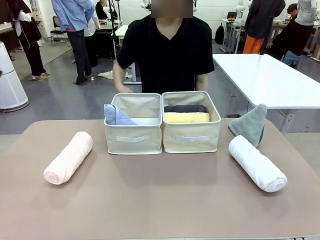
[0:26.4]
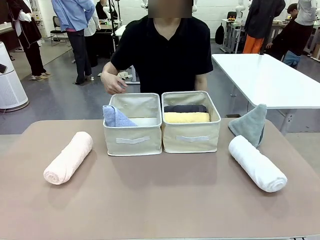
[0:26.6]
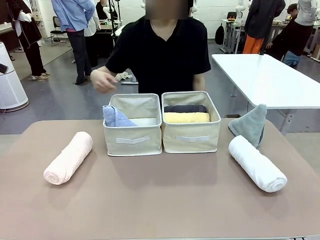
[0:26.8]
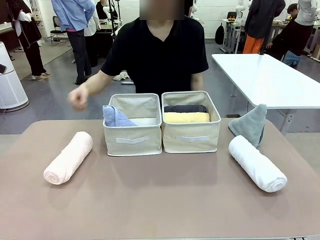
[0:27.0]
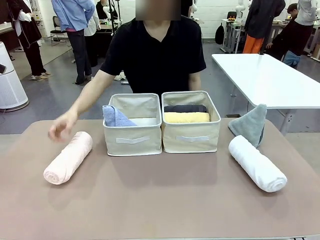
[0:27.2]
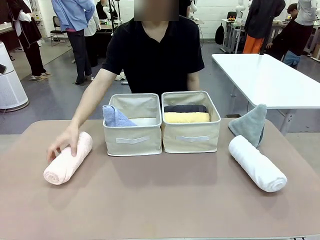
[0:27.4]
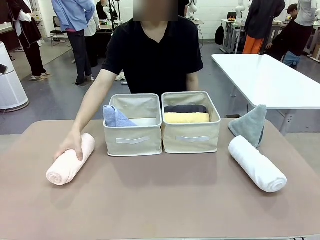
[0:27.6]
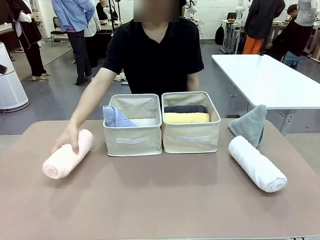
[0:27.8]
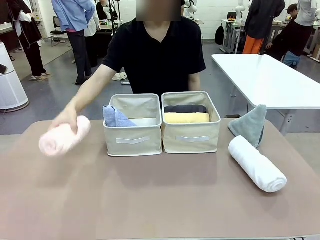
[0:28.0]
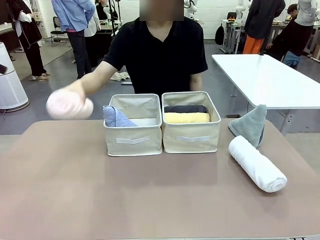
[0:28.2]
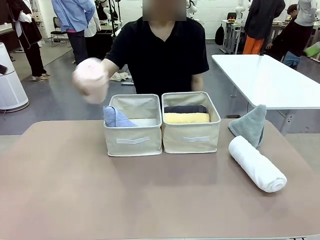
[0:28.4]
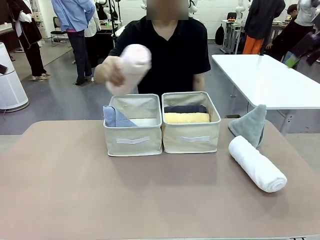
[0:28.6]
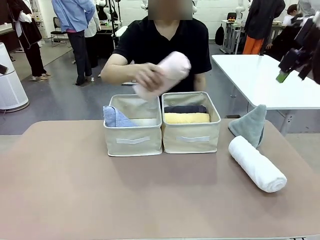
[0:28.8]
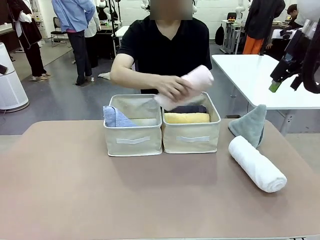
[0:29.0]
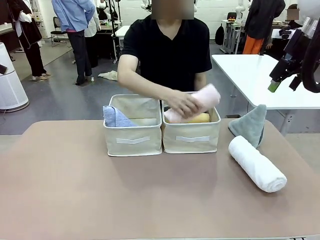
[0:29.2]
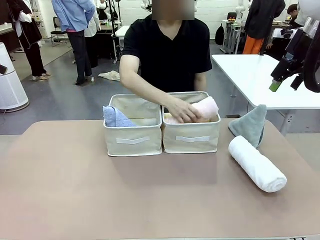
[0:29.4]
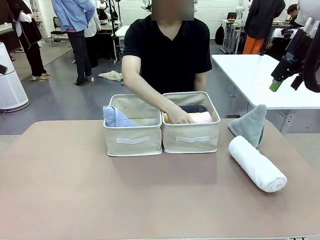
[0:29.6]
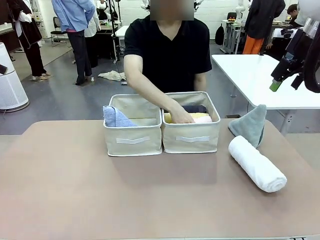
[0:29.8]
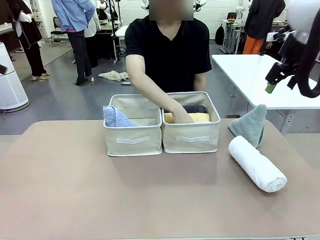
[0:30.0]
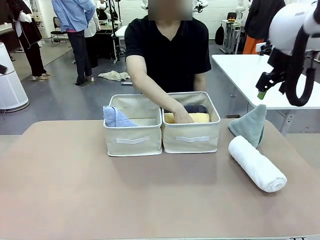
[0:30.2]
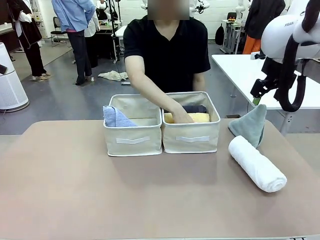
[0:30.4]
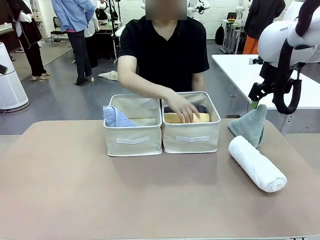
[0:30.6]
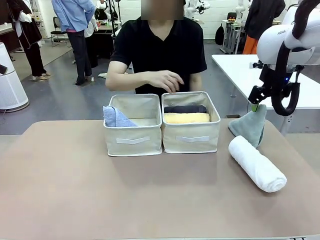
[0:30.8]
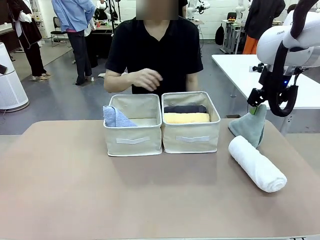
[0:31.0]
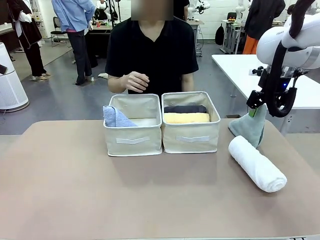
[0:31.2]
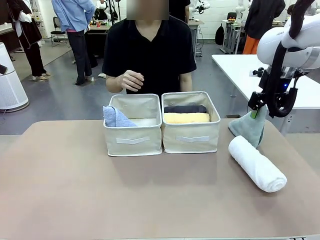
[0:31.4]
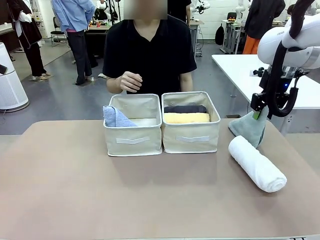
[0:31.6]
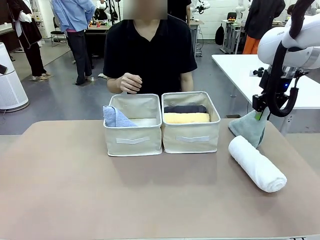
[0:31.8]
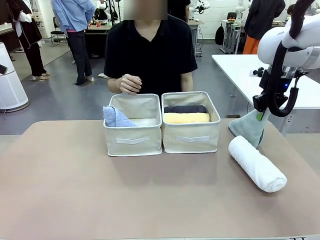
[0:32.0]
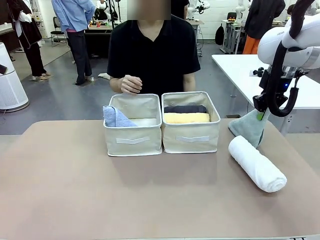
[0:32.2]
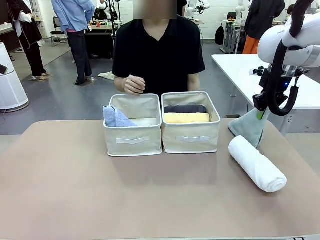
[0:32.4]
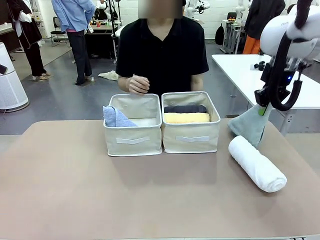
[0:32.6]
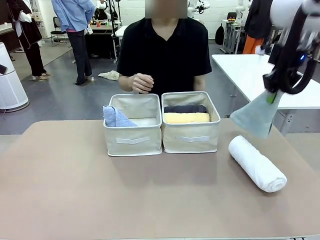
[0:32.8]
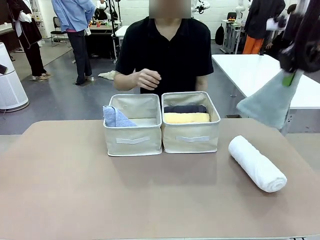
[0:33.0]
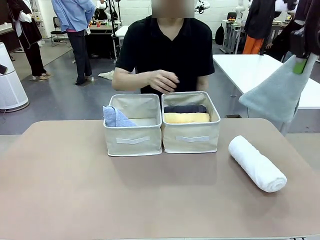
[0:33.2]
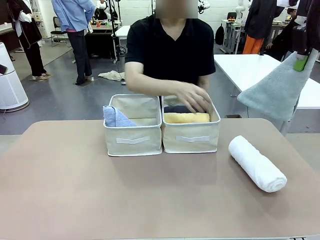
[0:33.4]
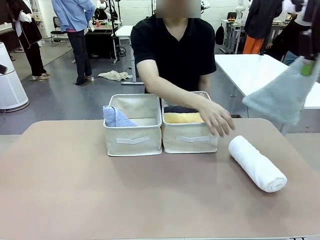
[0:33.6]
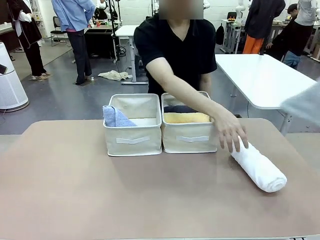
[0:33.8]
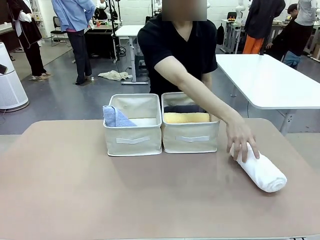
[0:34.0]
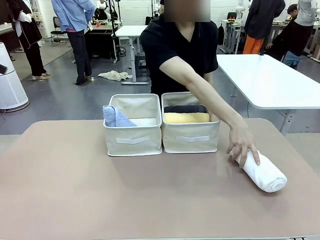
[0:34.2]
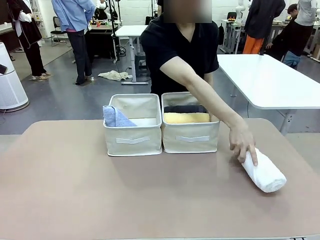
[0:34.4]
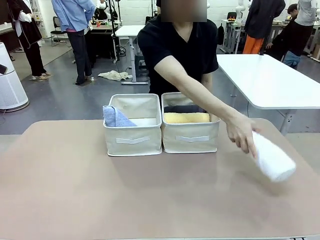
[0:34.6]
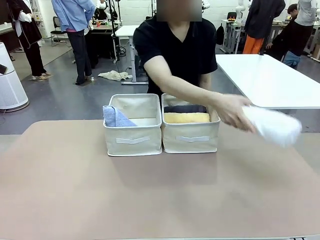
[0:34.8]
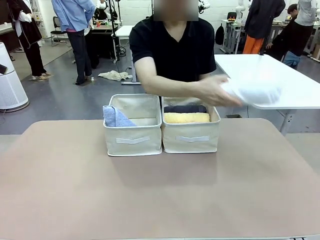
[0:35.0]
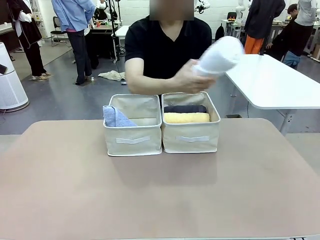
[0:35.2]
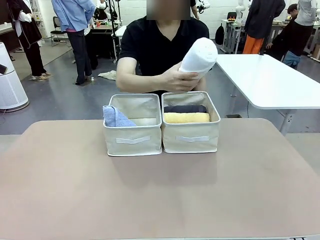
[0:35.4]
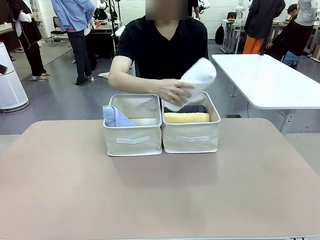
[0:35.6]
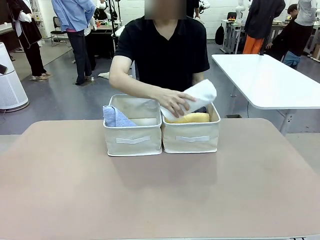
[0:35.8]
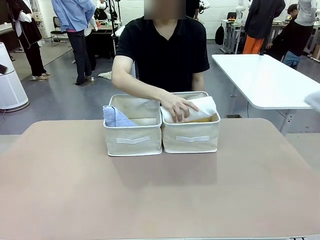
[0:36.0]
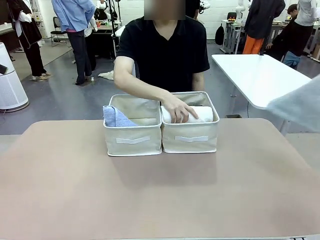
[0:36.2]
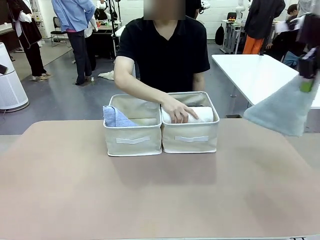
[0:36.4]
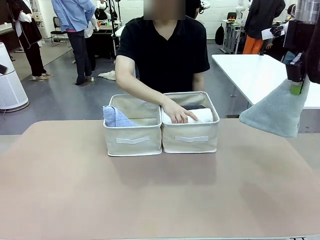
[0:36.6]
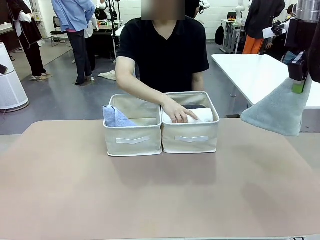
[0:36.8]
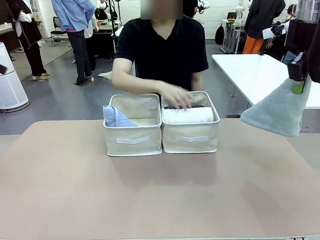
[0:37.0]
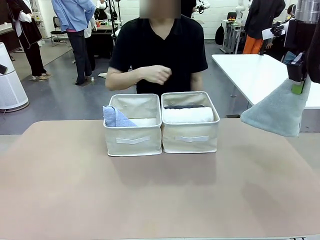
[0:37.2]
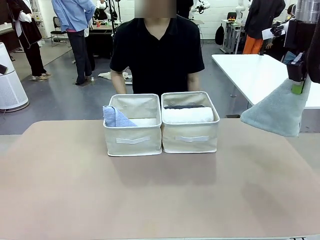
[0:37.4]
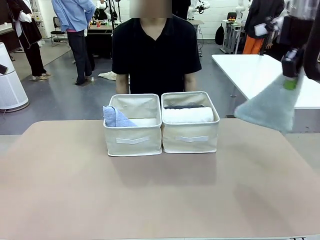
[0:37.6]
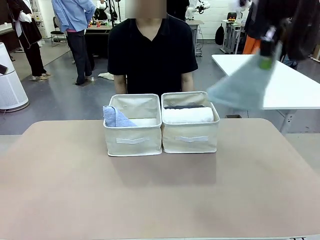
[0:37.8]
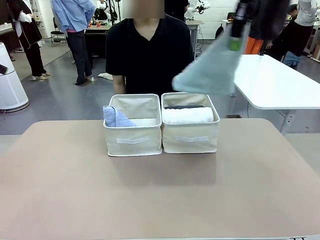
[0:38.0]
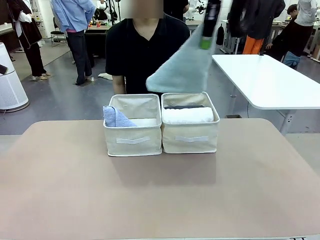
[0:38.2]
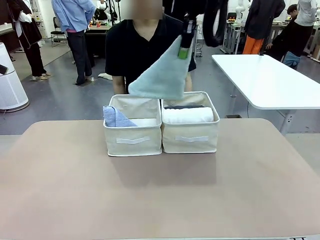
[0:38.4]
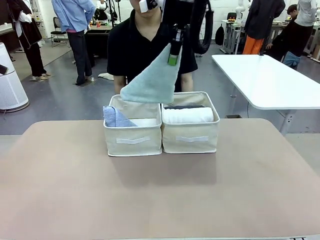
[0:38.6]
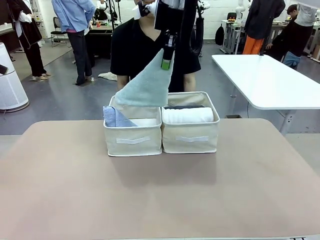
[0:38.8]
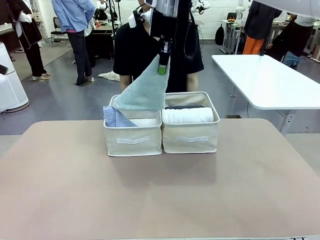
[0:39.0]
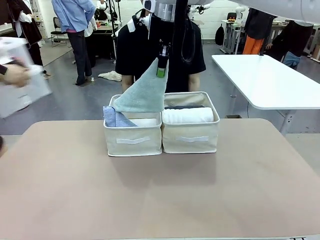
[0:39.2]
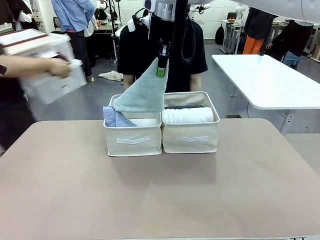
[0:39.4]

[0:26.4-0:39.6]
Task: Sort the towels based on their folding style.
Robot: Pick up another triangle-folded towel from the table and place it in the left Fabric basket.

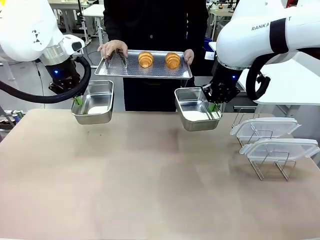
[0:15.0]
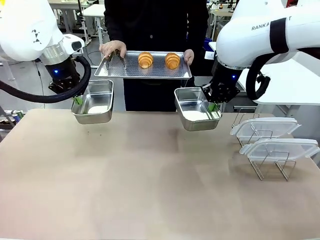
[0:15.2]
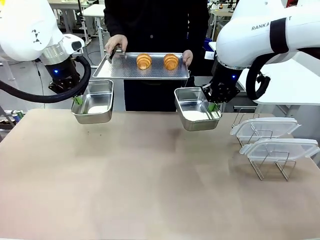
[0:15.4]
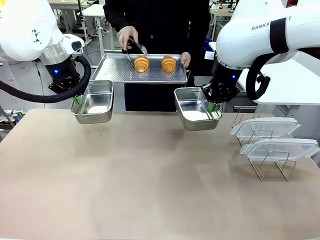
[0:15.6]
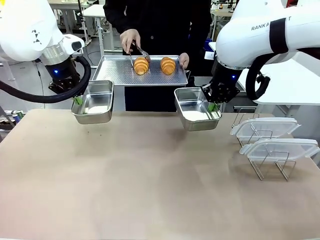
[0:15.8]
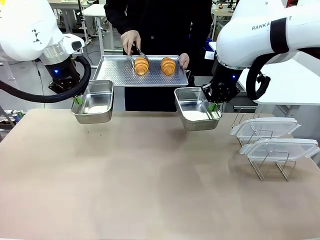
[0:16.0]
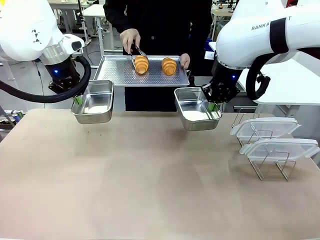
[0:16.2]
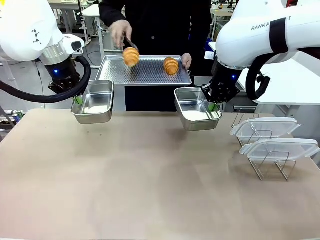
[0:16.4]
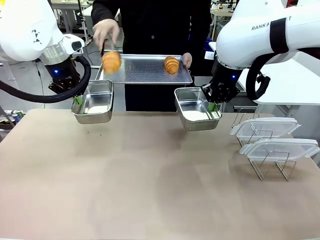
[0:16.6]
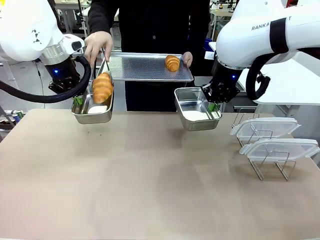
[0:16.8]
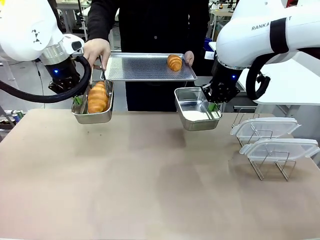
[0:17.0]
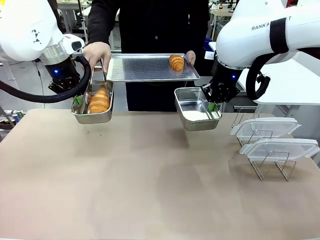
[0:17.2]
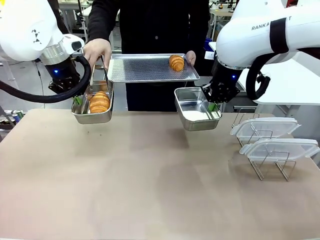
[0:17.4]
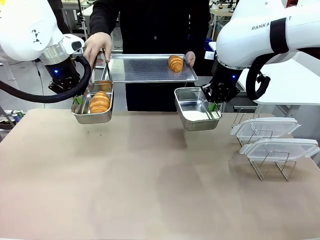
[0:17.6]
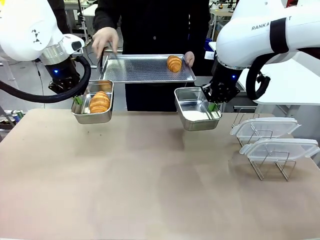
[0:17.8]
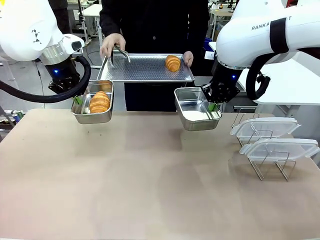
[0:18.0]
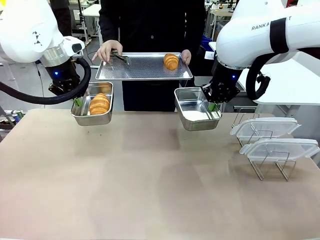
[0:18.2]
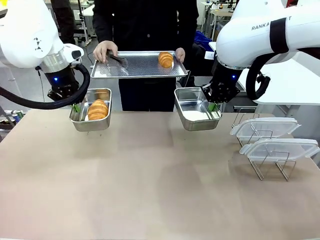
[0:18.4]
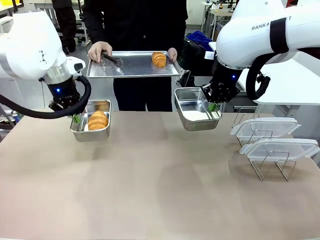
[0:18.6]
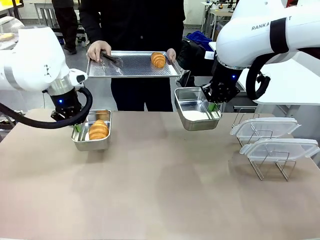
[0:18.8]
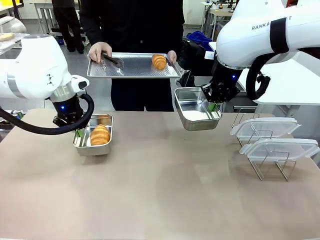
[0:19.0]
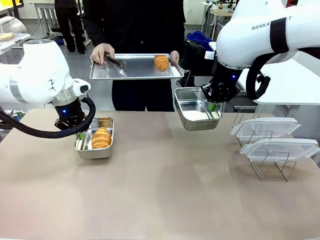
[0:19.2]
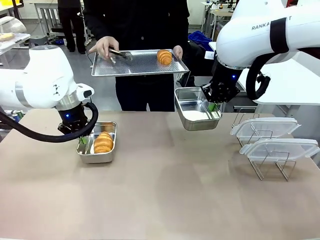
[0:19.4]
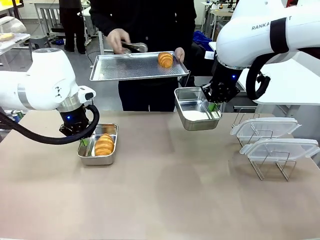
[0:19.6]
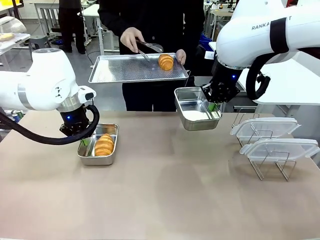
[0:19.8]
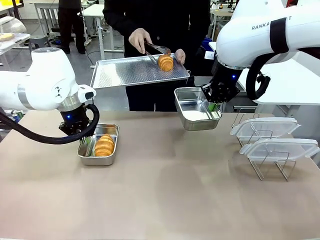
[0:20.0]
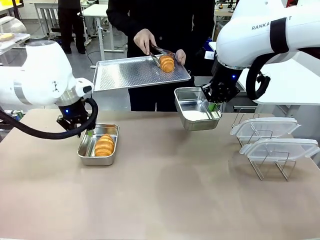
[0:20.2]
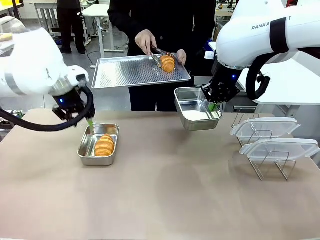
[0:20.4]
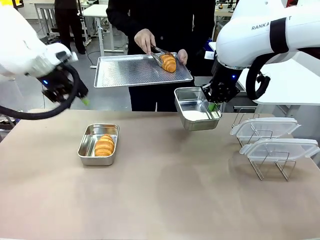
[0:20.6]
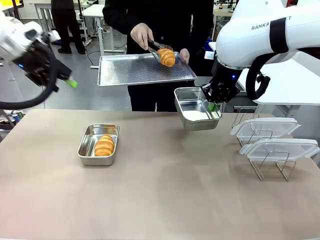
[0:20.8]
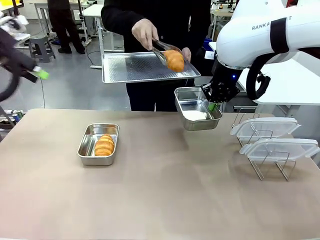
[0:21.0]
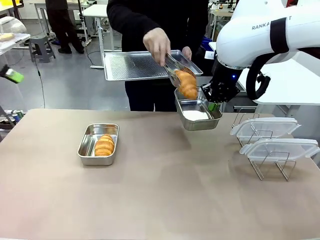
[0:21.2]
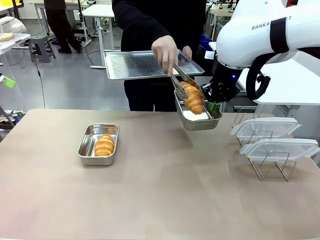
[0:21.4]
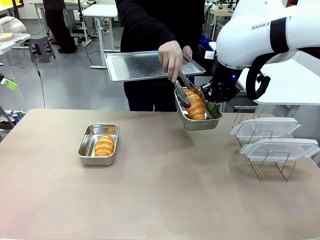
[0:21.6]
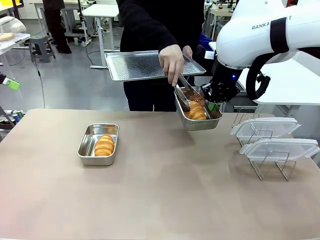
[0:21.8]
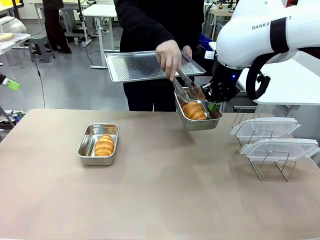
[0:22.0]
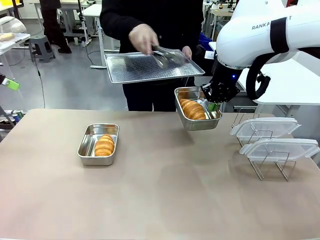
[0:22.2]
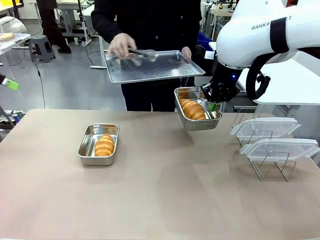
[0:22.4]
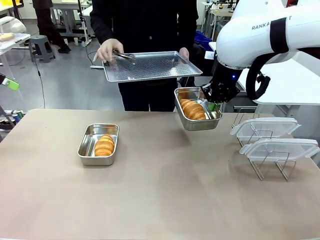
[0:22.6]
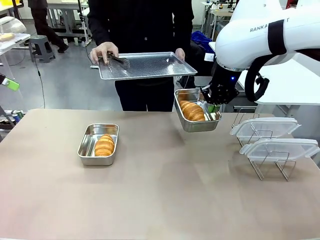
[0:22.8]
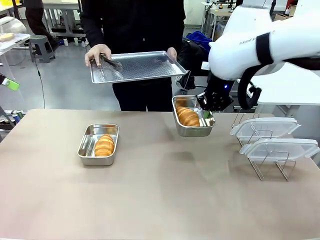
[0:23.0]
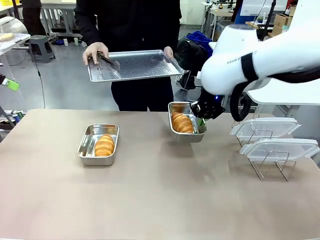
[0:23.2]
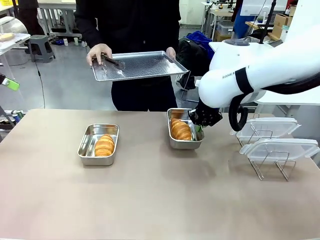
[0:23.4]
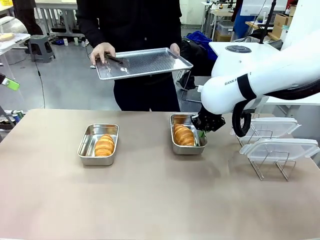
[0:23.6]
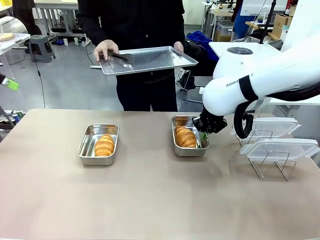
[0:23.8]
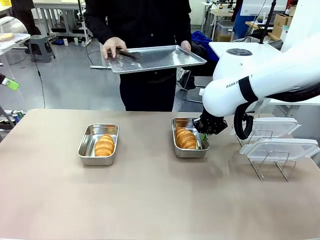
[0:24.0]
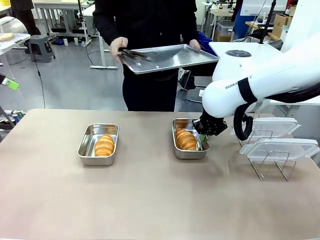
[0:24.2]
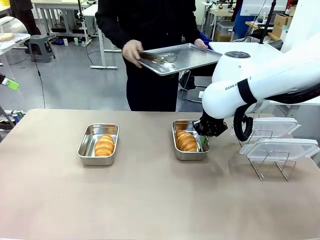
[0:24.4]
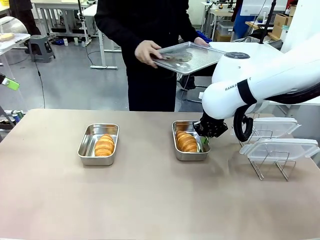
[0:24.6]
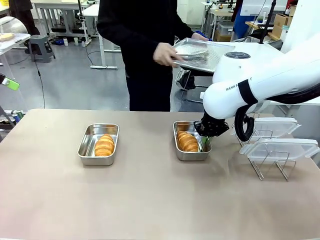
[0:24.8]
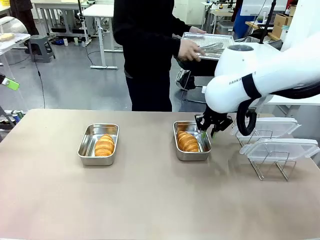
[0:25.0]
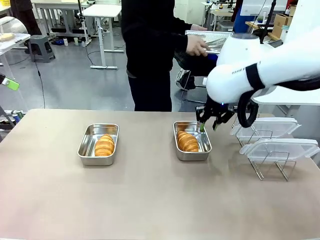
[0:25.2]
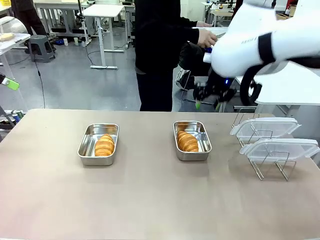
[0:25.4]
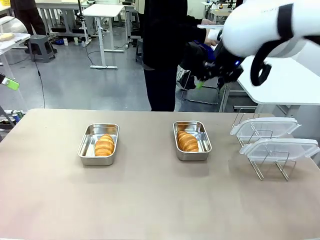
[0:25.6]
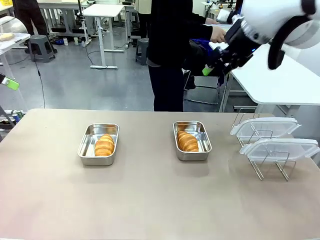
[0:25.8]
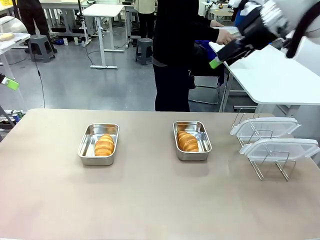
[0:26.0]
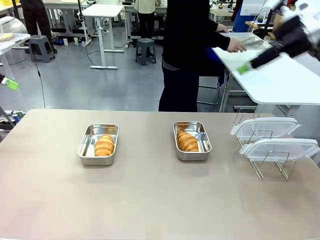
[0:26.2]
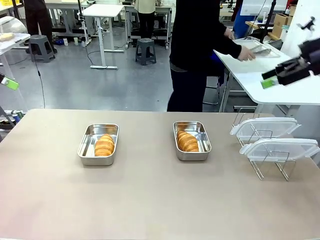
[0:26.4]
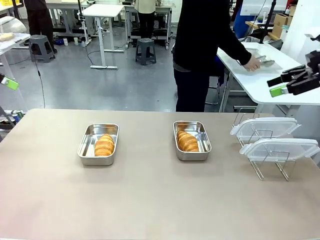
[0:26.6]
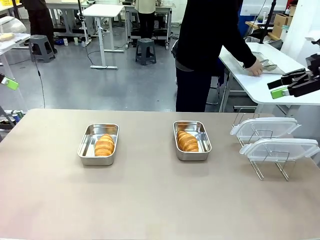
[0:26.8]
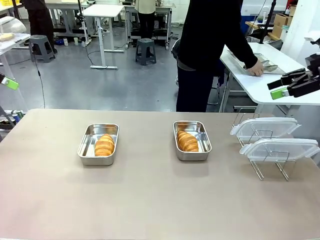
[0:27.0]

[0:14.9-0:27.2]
Task: Place the bread in airtight containers.
Robot: Once an object is inside an Airtight Container , place the container in the center of the table.
Person: Use the Stainless steel tongs to place one object from Baking Sheet into one Airtight Container. Place Baking Sheet on the Human's Table.
